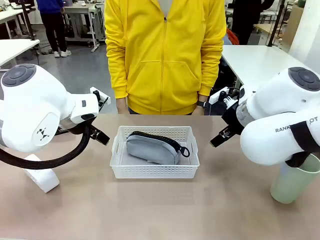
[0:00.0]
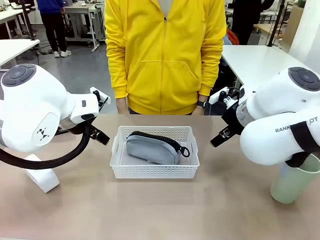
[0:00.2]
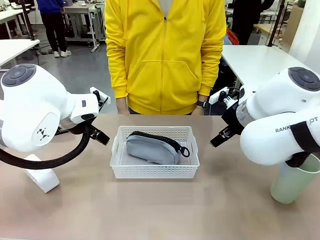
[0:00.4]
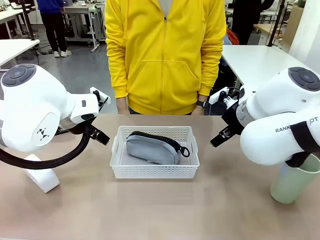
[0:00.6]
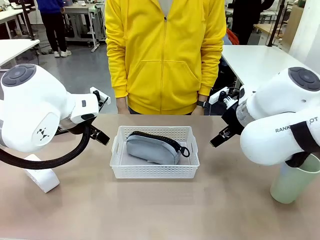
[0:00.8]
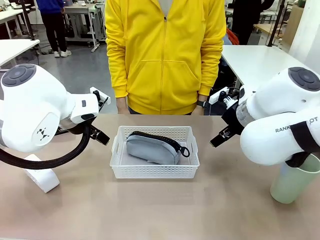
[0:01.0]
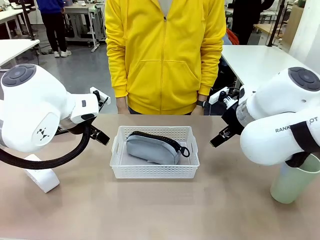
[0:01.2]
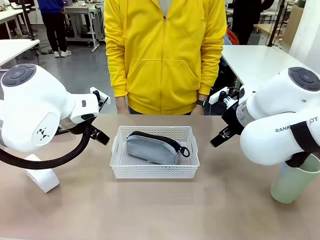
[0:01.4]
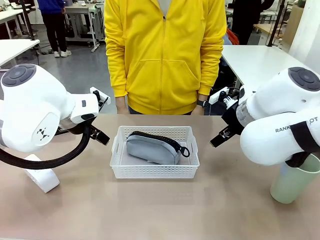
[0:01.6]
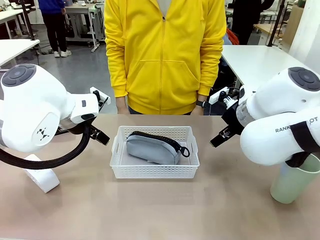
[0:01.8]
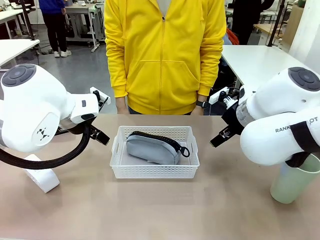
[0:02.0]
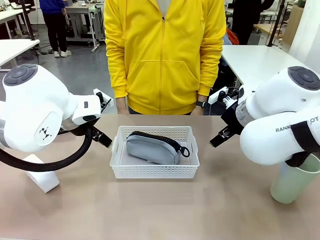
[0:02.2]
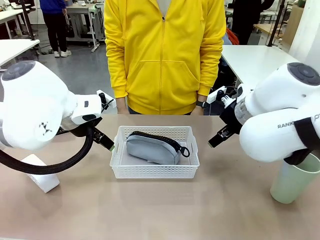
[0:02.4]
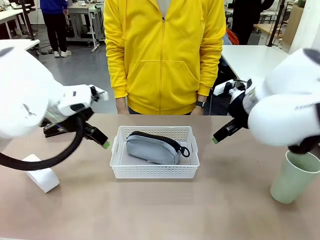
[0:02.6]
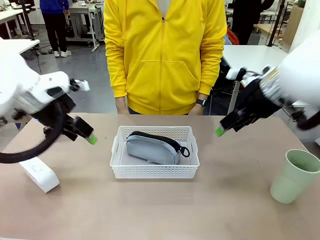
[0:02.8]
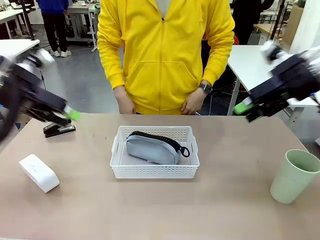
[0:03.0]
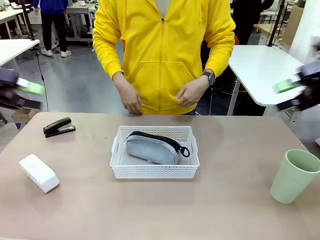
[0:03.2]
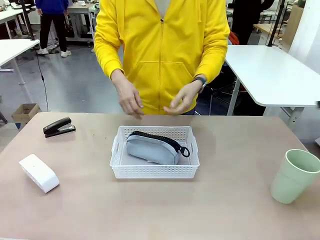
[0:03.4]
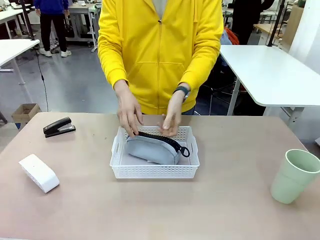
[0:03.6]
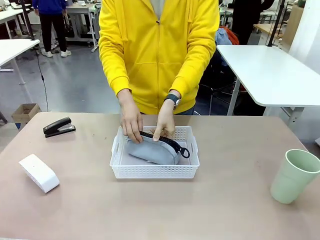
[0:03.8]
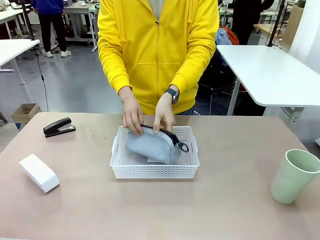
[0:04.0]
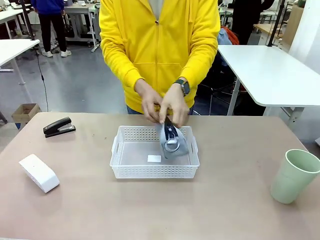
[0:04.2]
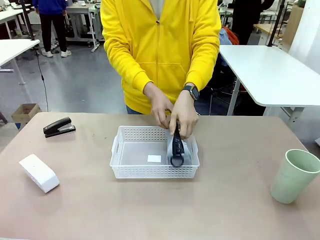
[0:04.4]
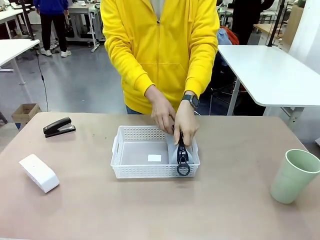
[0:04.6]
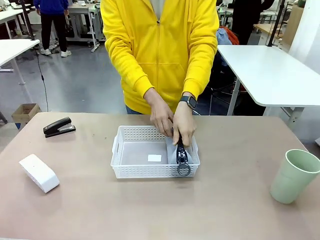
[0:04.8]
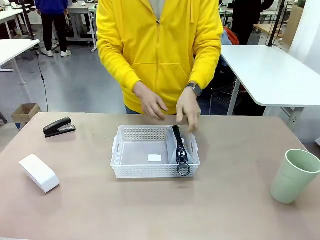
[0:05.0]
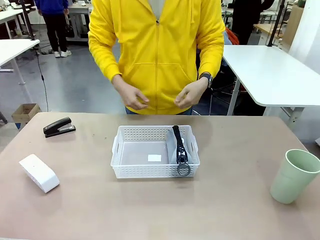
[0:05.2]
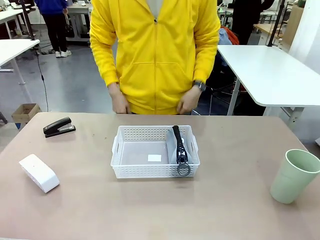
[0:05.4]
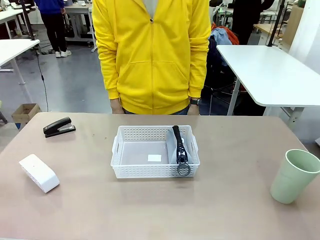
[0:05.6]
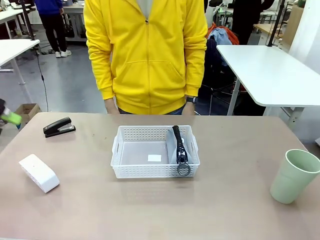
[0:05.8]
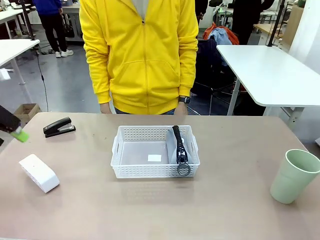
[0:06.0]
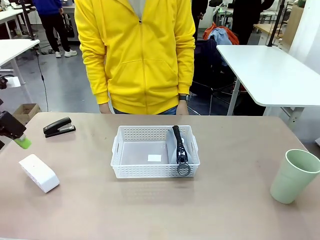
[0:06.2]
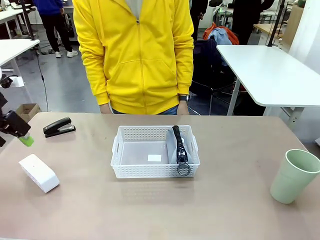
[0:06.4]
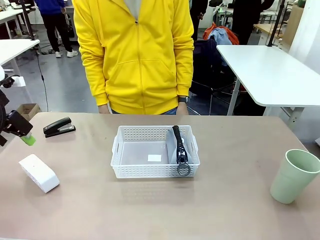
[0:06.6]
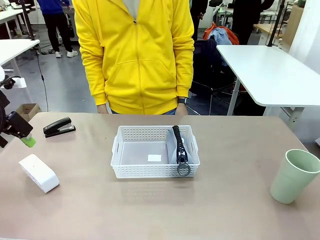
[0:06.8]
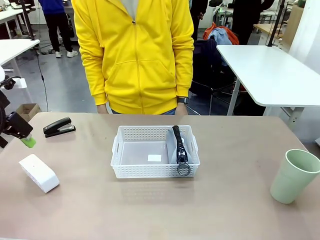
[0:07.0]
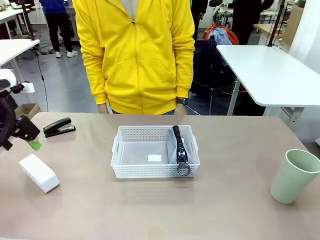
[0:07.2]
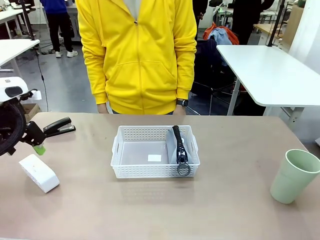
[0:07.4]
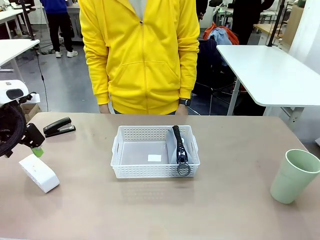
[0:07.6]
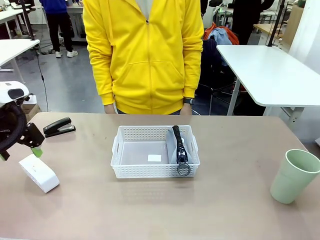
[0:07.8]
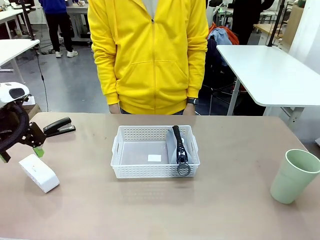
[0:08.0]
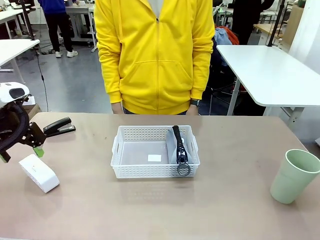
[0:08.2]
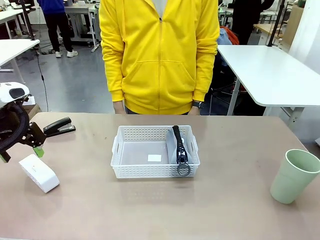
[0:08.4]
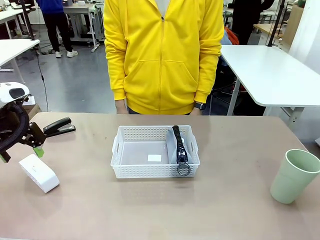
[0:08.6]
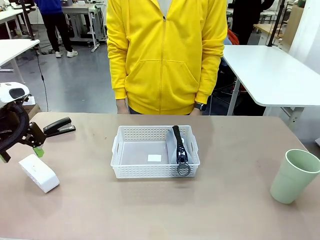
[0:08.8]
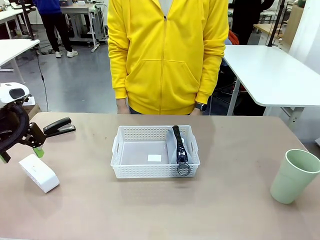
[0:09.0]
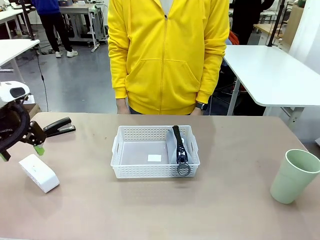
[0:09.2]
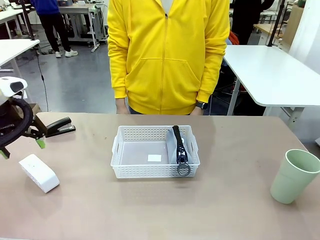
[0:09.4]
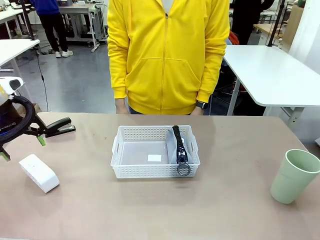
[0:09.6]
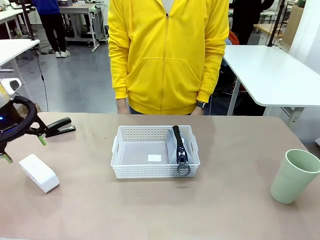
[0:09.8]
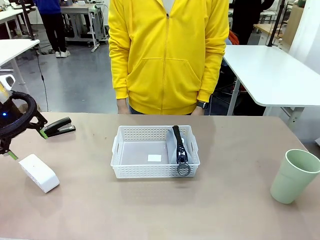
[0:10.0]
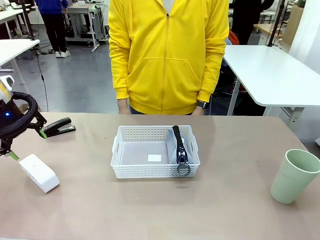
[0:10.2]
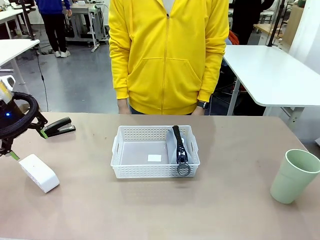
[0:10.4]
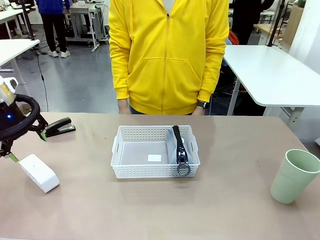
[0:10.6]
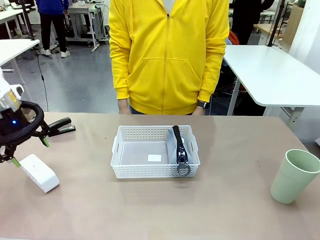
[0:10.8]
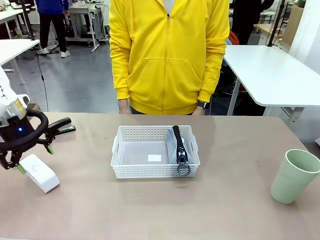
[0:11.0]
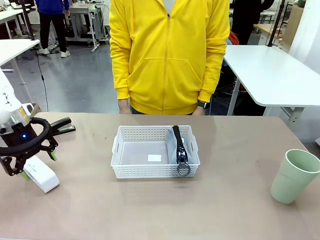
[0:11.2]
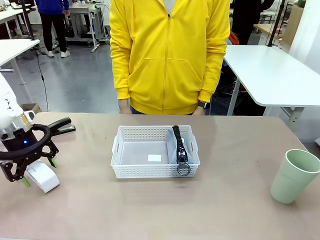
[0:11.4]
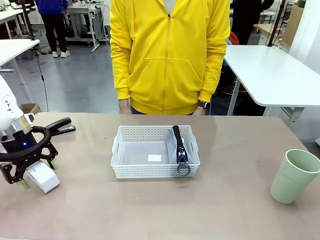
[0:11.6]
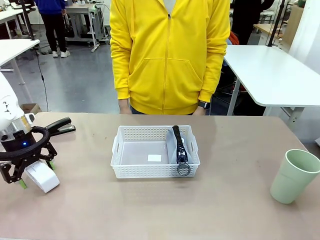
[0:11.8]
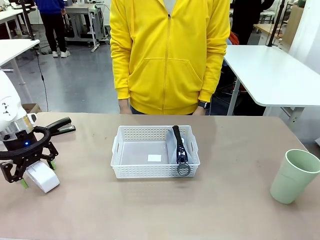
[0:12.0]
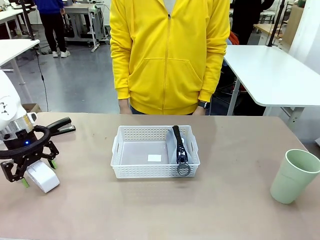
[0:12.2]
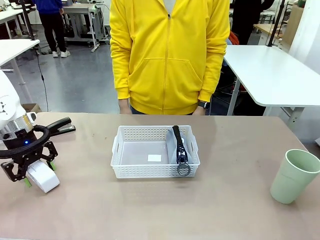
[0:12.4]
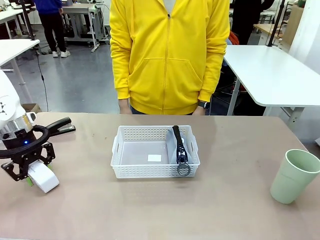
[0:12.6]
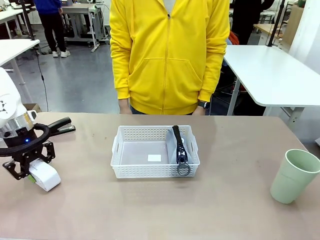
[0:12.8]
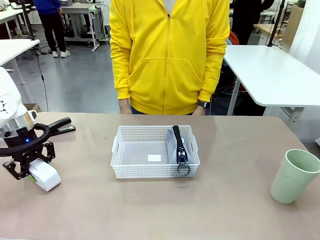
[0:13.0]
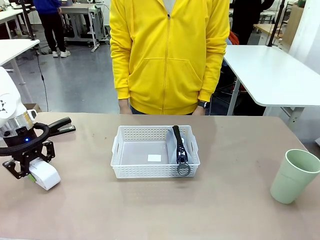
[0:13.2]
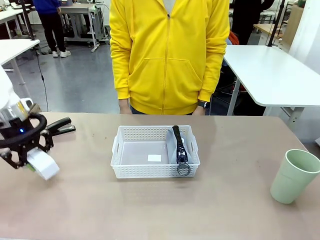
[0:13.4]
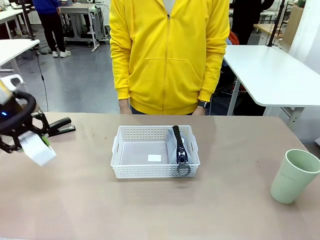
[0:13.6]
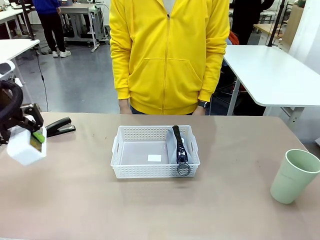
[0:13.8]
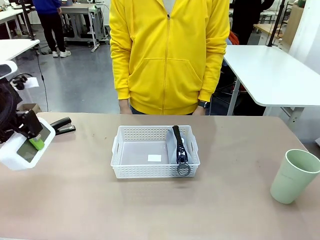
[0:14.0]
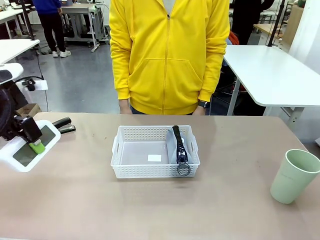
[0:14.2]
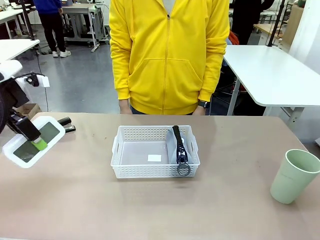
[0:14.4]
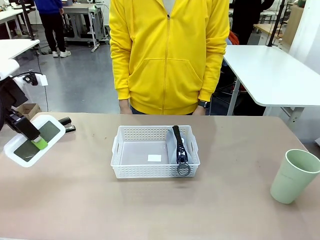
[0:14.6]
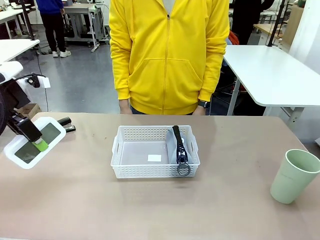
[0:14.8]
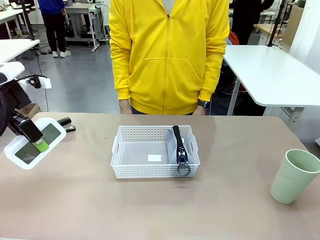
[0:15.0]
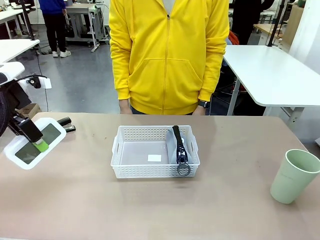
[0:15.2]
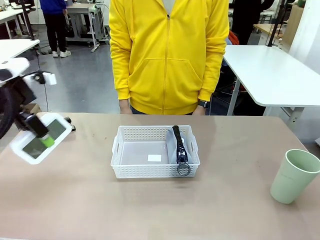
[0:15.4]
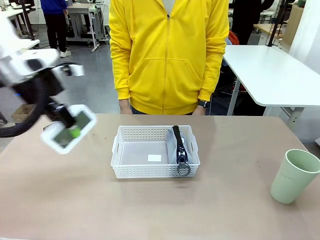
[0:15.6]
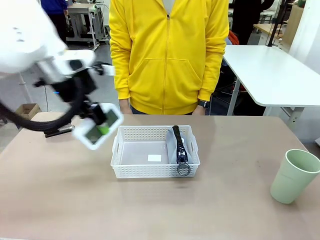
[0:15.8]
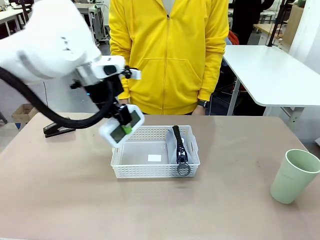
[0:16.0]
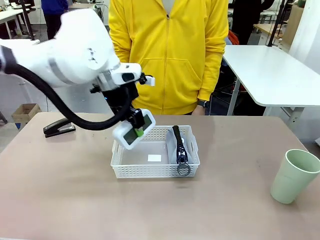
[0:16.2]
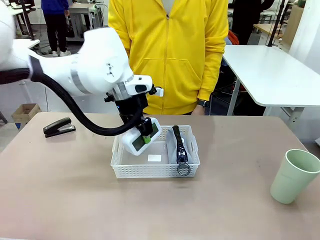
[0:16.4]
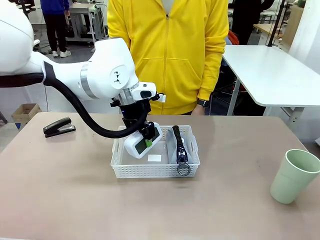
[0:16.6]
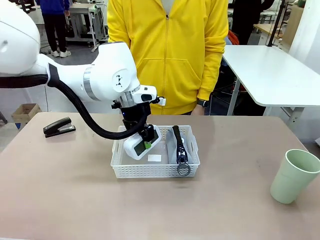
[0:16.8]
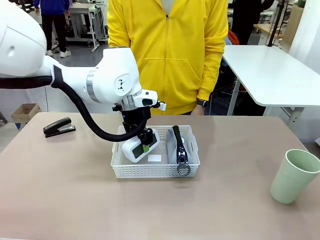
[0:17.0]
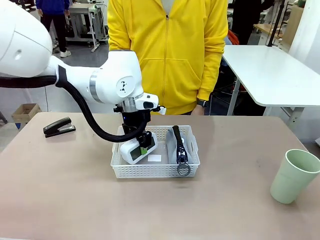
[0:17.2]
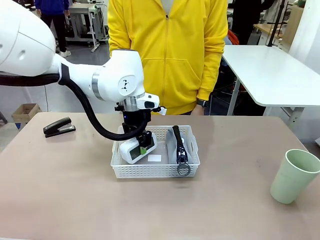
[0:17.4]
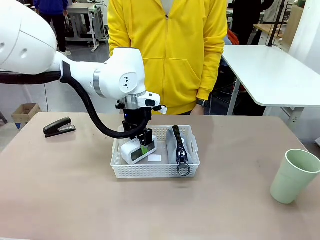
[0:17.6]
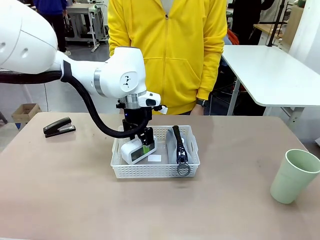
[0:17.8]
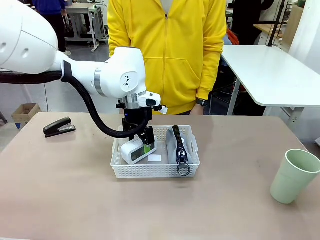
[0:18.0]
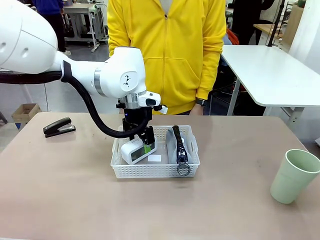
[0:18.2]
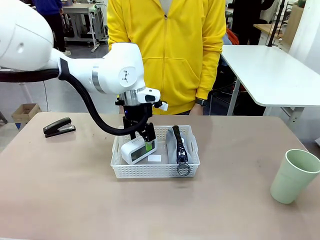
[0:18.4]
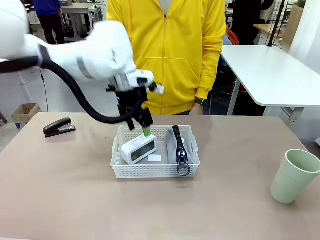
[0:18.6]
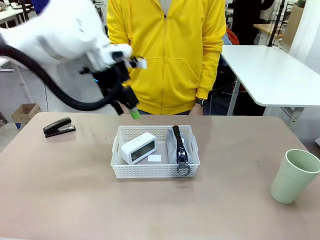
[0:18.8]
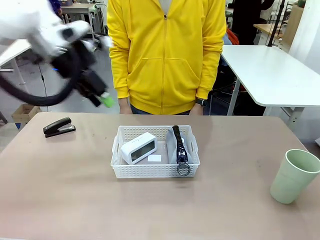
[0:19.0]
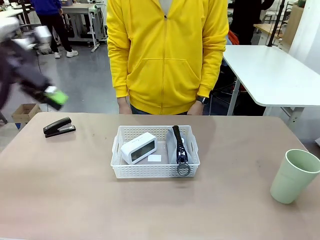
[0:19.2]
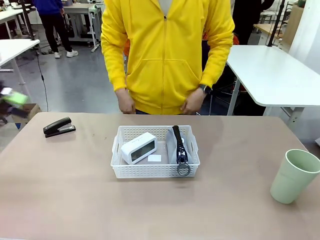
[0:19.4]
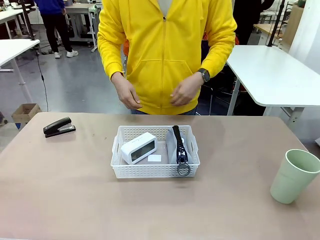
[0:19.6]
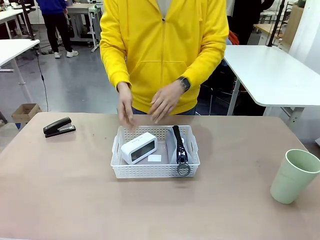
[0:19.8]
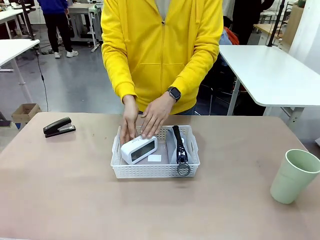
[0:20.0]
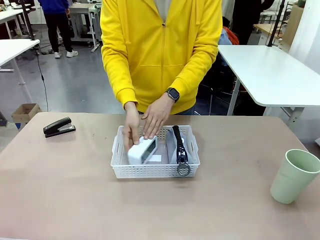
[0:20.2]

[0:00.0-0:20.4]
Task: Efficiently arrange items inside the basket to fit them all.
Robot: Pick up the Digital clock and place it inside the Organizing basket.
Person: Repositions the pencil case. Repositions the digital clock.
